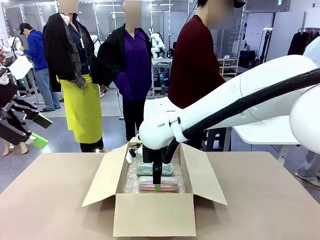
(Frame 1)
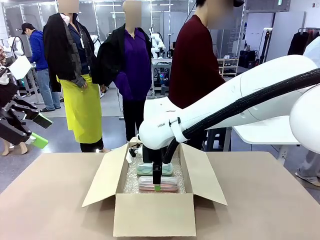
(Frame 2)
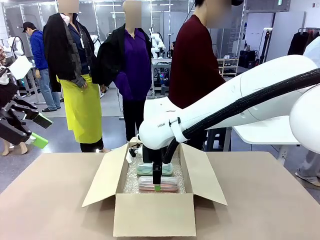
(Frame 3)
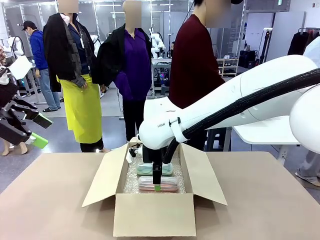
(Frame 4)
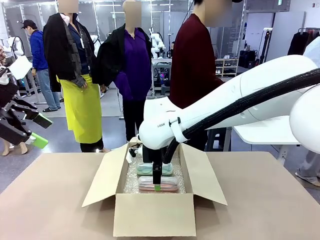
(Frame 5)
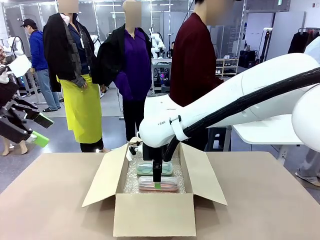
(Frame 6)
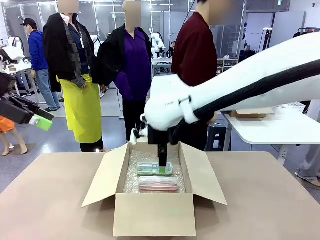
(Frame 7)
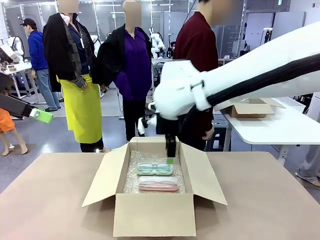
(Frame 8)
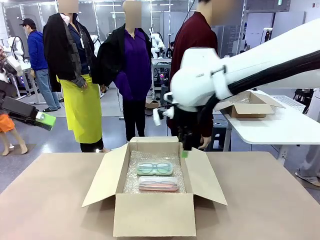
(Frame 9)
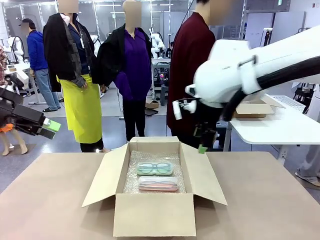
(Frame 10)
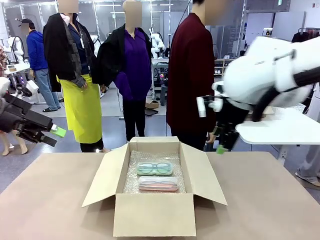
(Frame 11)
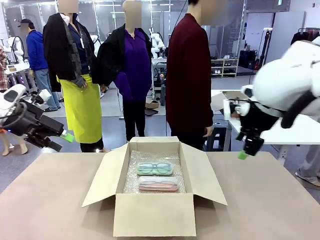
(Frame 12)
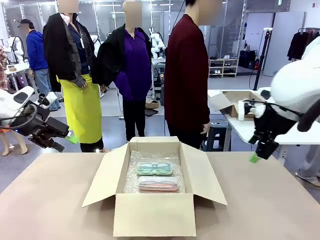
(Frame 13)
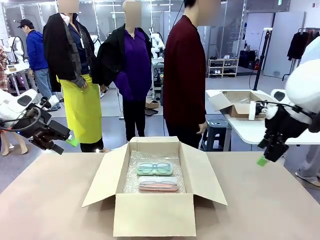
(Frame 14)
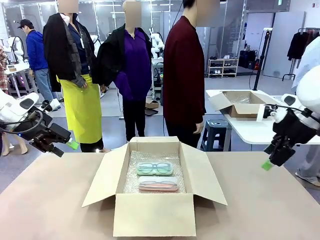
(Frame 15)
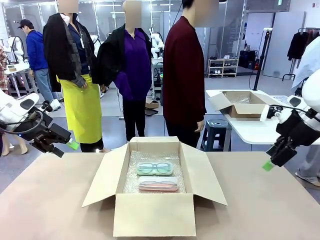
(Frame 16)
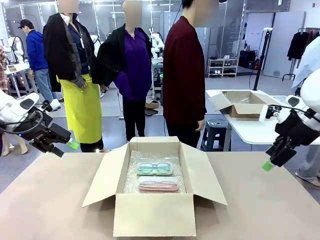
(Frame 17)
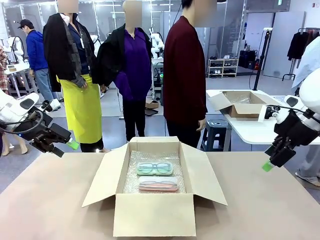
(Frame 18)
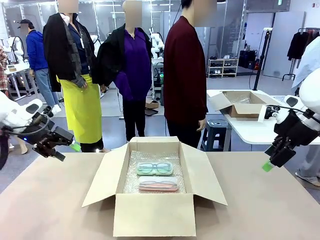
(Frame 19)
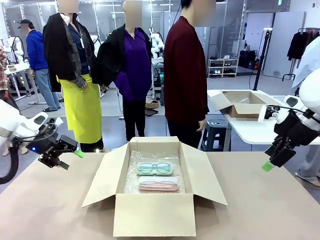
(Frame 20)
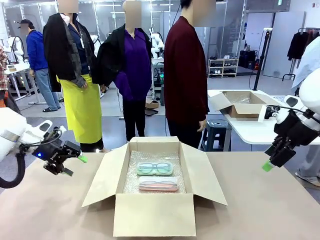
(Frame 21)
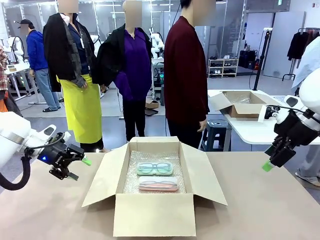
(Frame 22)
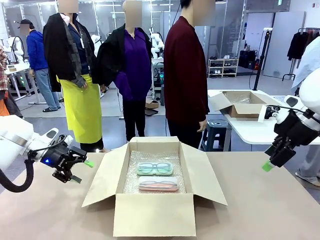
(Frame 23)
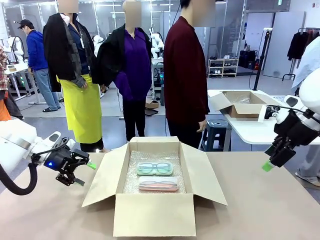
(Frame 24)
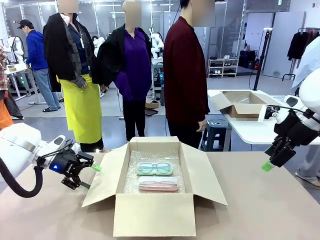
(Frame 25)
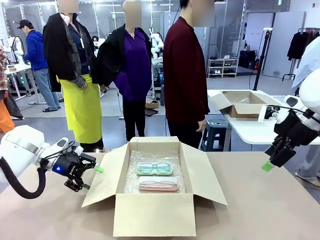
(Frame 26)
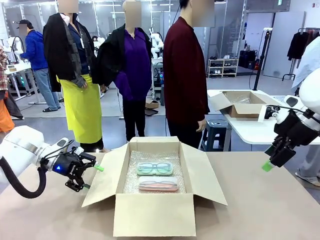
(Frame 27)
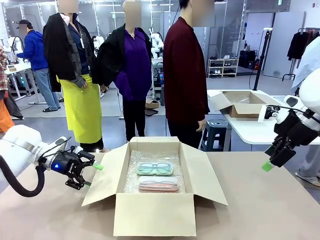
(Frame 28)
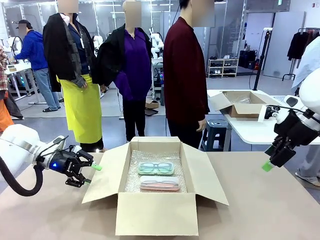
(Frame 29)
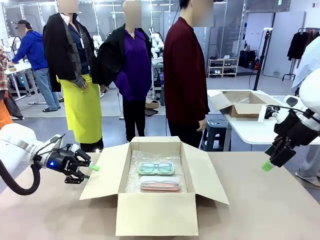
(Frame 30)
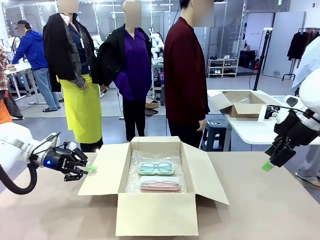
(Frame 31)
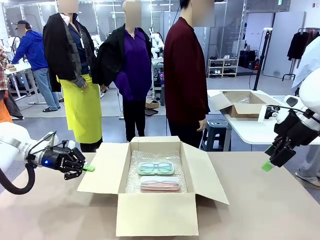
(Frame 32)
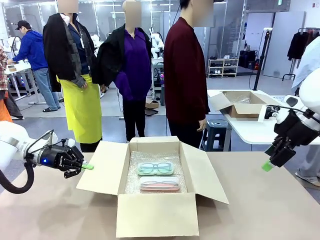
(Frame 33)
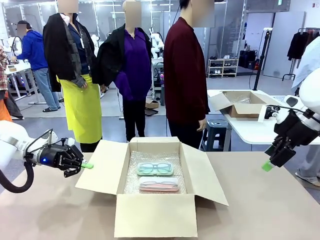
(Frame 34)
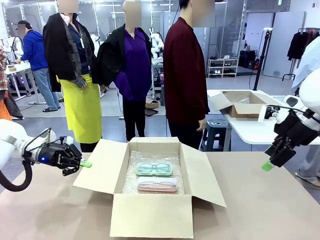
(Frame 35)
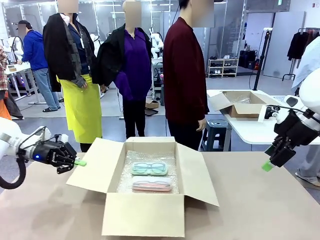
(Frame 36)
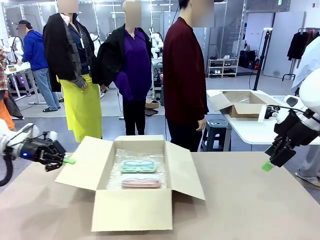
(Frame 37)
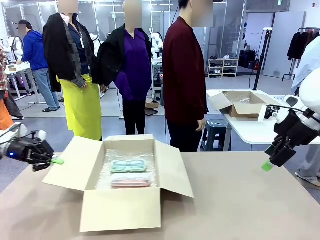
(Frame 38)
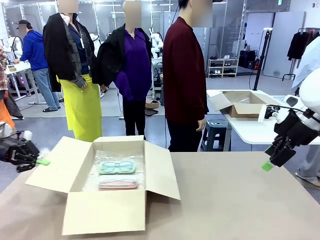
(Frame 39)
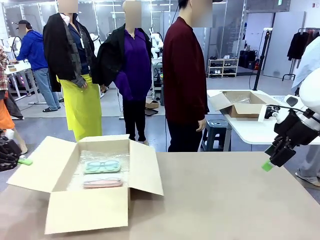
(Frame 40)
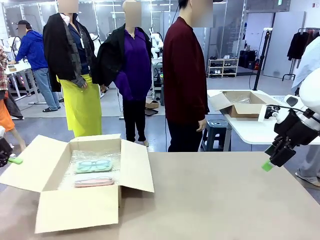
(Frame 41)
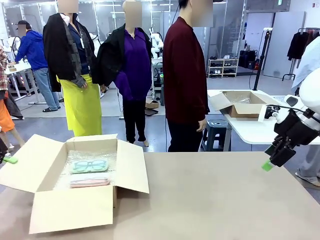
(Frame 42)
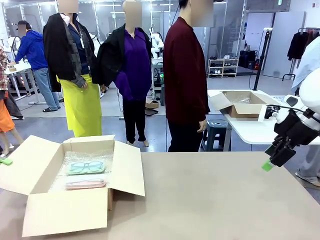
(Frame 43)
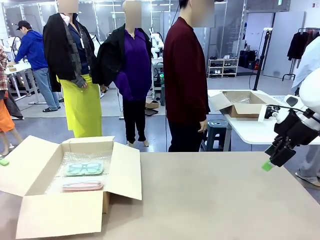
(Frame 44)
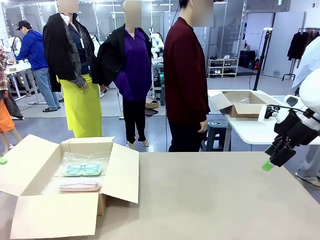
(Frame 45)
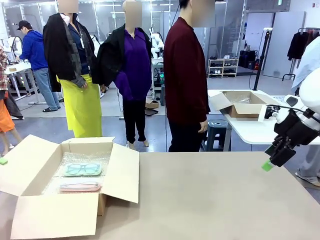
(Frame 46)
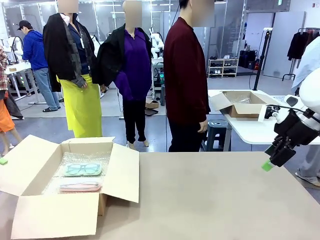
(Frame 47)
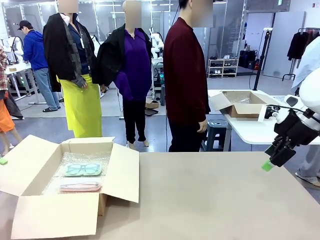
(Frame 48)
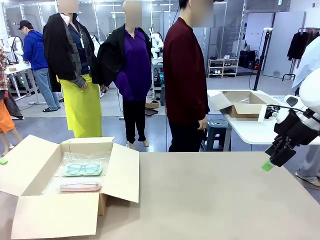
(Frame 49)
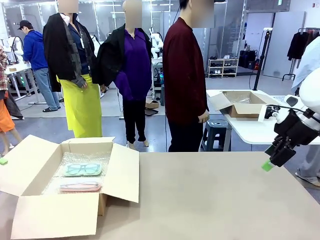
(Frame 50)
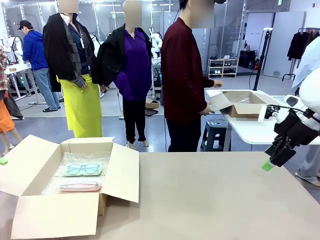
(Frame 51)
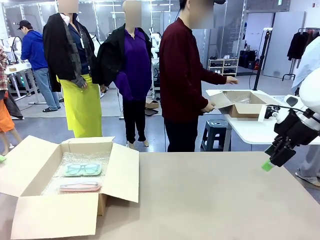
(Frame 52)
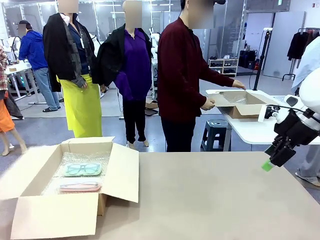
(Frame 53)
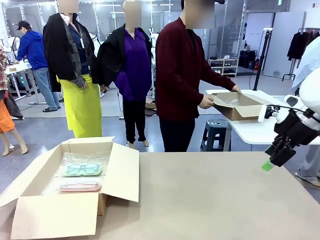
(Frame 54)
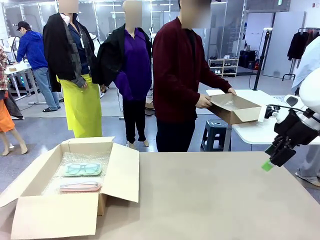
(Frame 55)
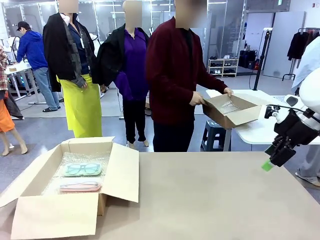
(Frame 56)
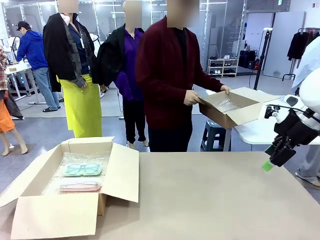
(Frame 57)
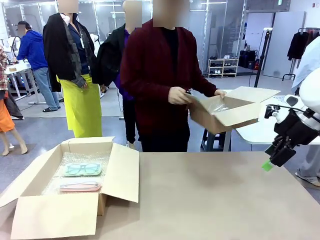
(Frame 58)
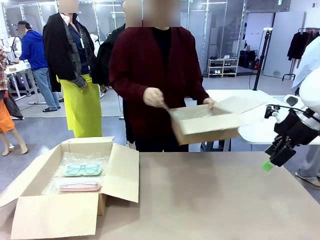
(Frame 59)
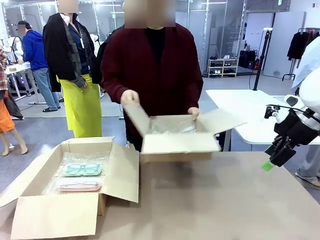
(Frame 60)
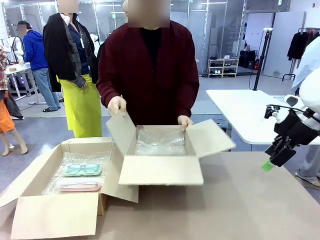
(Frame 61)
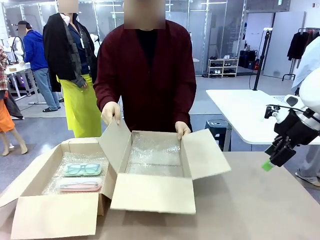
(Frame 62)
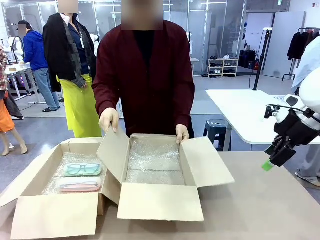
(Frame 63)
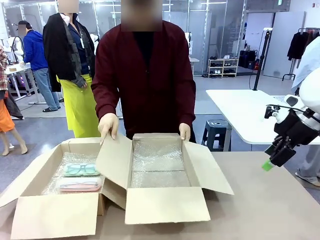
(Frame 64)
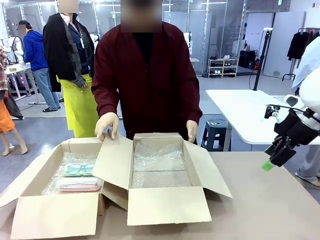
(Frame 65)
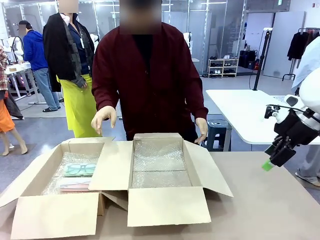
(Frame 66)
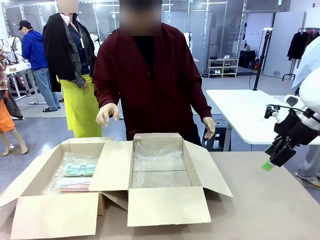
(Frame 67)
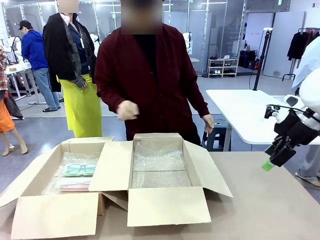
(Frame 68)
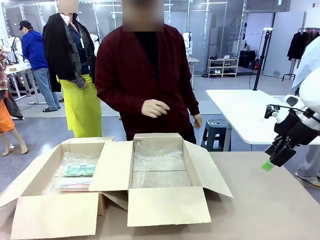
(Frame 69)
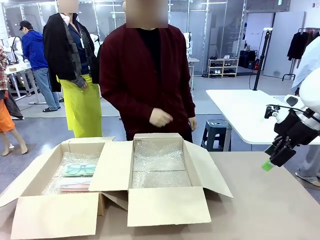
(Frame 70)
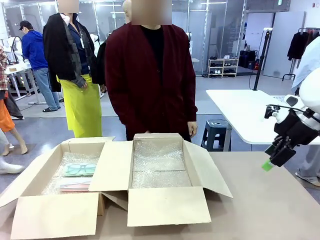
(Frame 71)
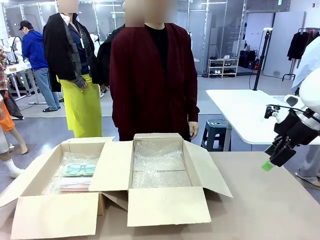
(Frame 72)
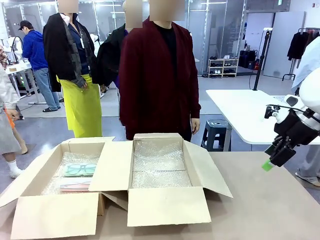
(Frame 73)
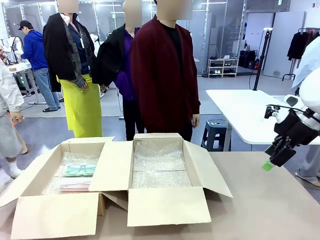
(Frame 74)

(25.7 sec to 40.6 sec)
Task: Pack the glasses set securely to prepare it for shipping.
Robot: Position the Package Box on the left side of the table.
Person: Position the empty Package Box in the middle of the robot's table.
